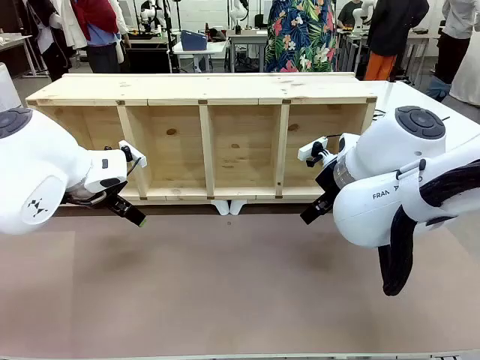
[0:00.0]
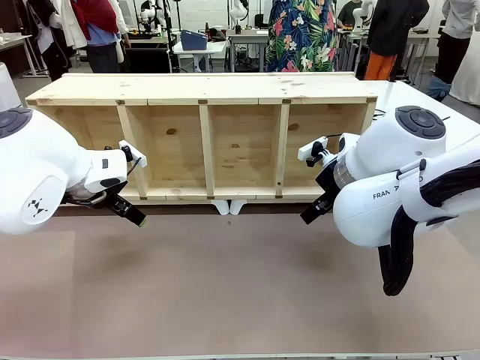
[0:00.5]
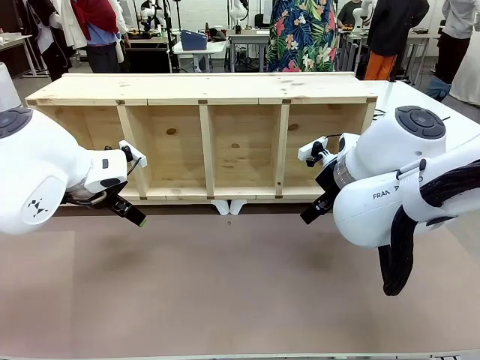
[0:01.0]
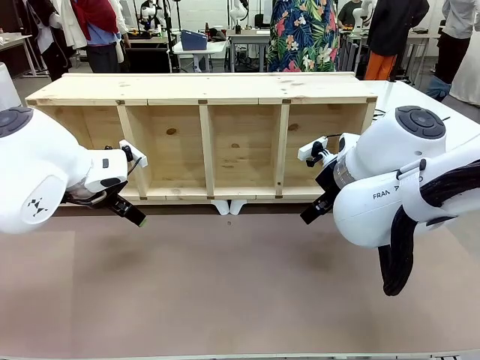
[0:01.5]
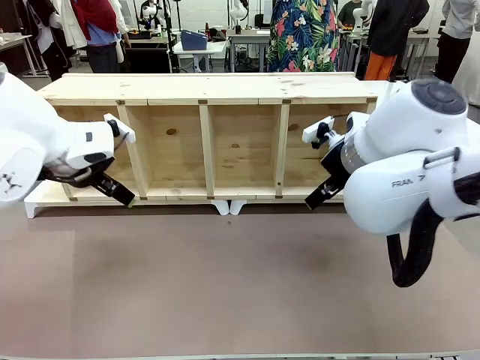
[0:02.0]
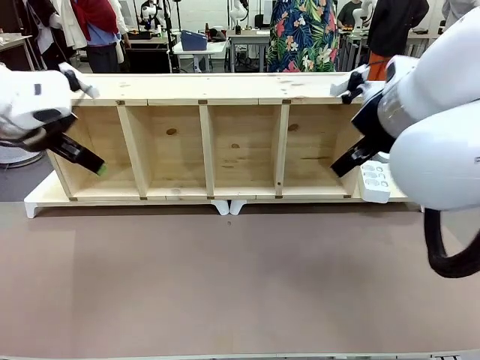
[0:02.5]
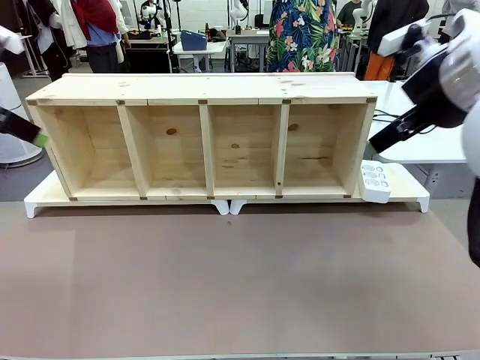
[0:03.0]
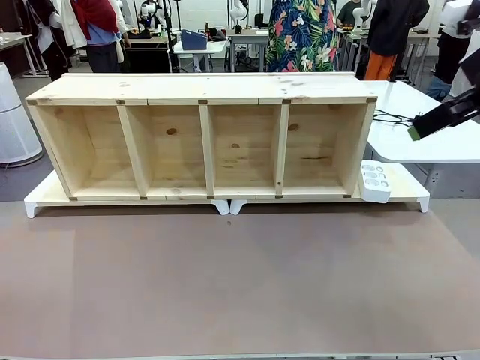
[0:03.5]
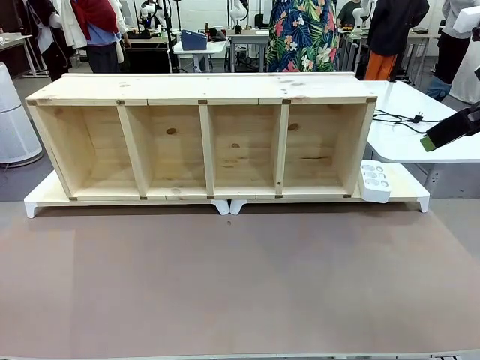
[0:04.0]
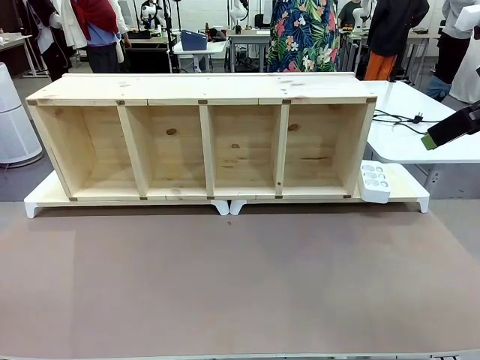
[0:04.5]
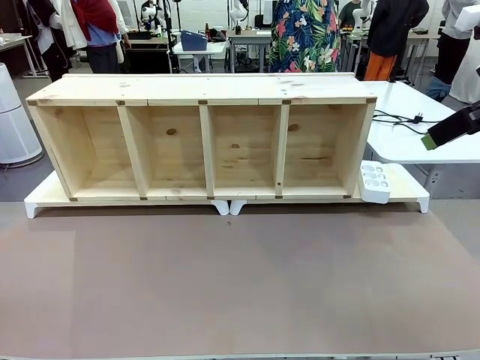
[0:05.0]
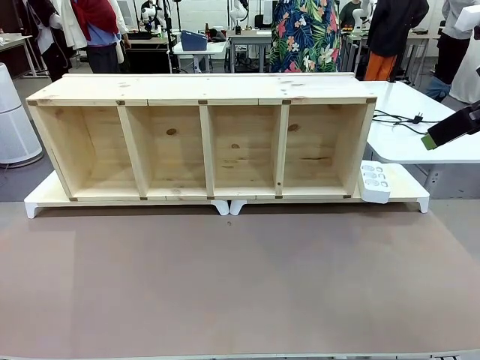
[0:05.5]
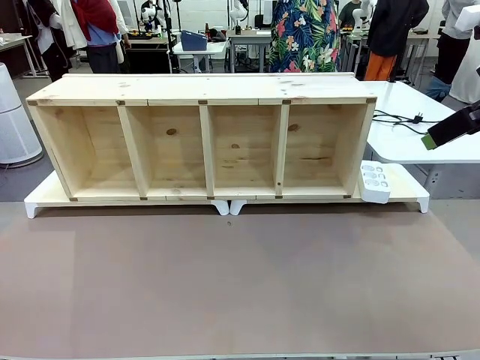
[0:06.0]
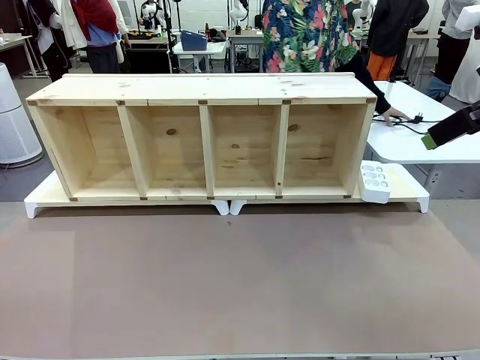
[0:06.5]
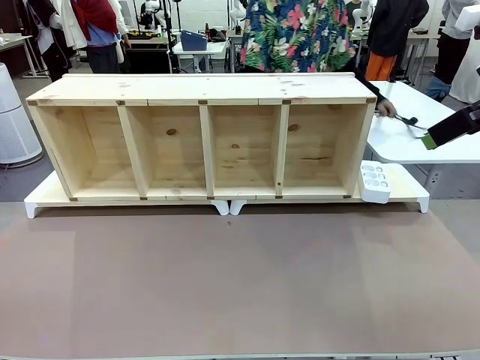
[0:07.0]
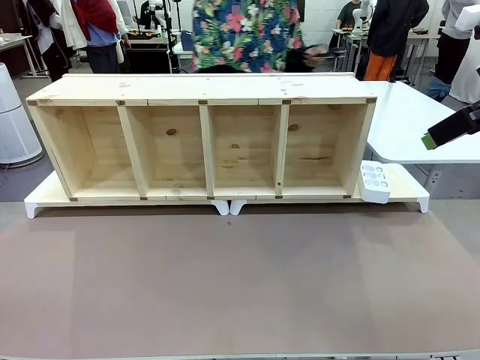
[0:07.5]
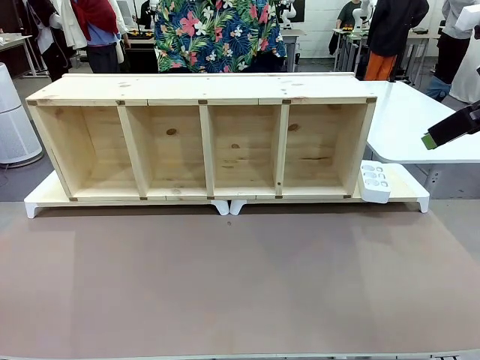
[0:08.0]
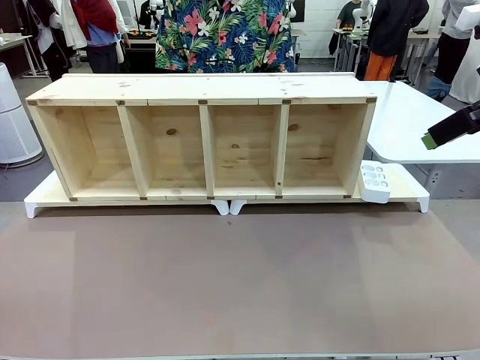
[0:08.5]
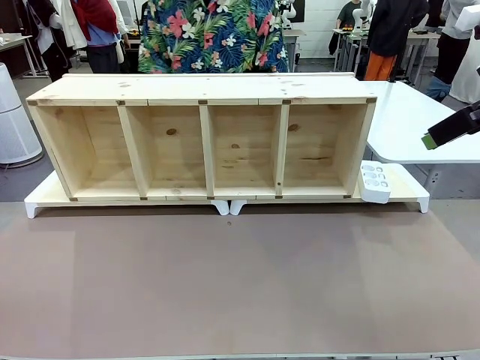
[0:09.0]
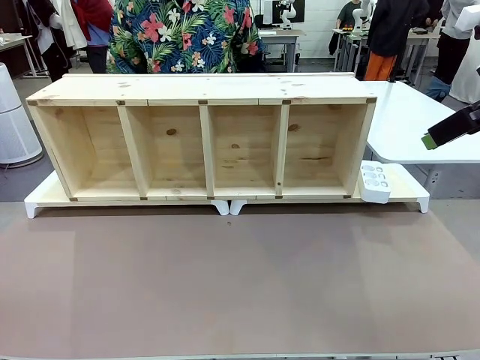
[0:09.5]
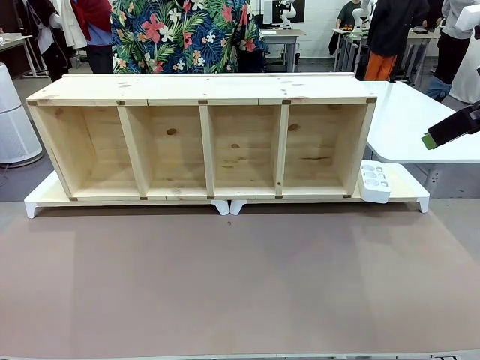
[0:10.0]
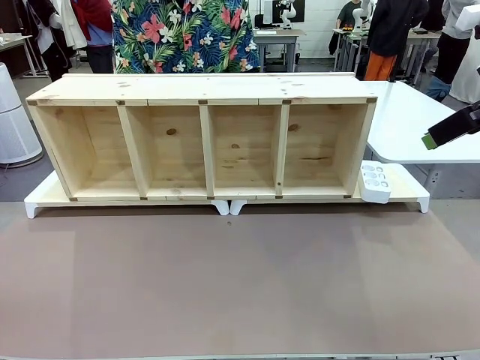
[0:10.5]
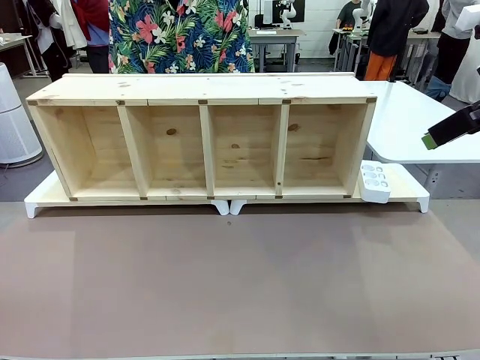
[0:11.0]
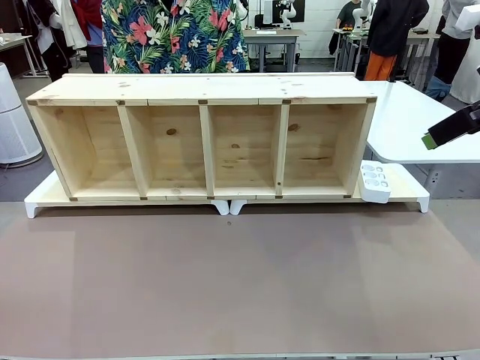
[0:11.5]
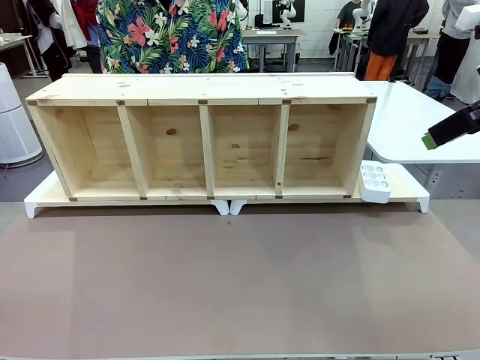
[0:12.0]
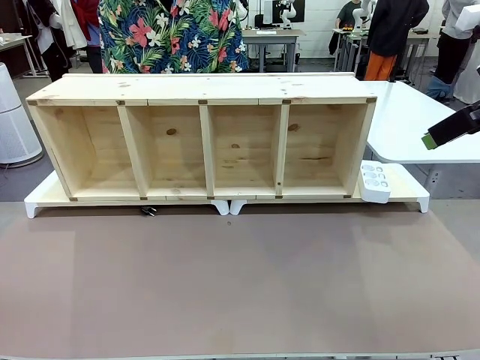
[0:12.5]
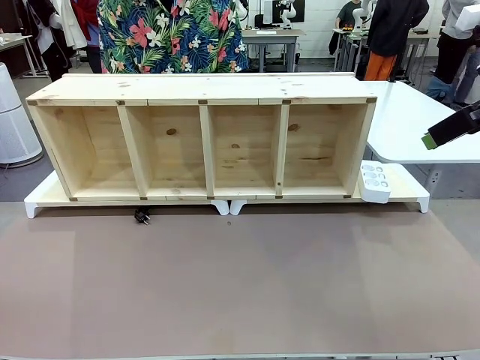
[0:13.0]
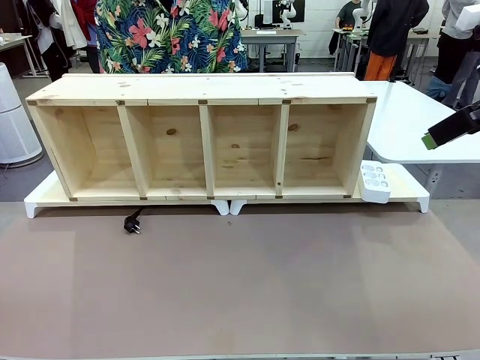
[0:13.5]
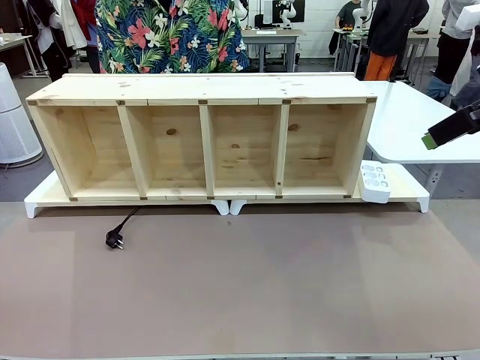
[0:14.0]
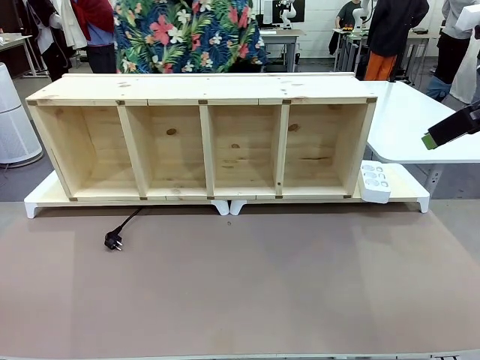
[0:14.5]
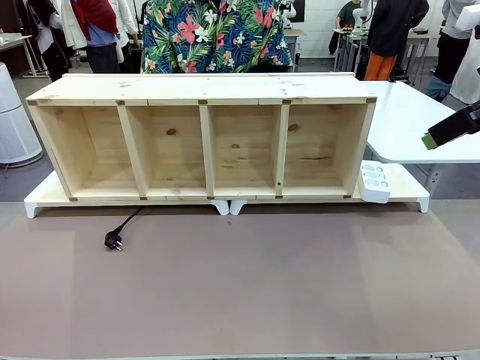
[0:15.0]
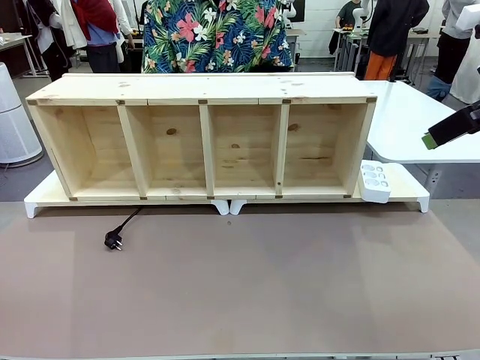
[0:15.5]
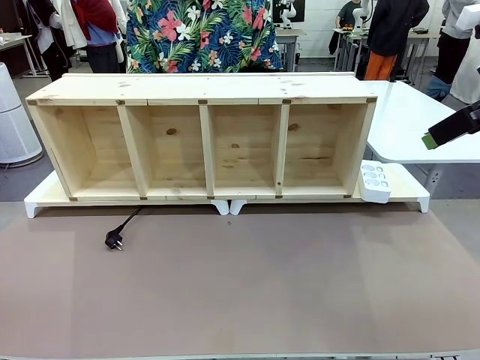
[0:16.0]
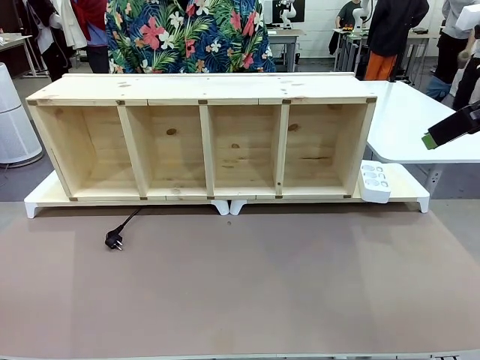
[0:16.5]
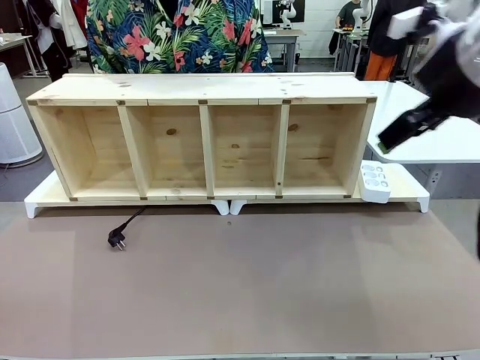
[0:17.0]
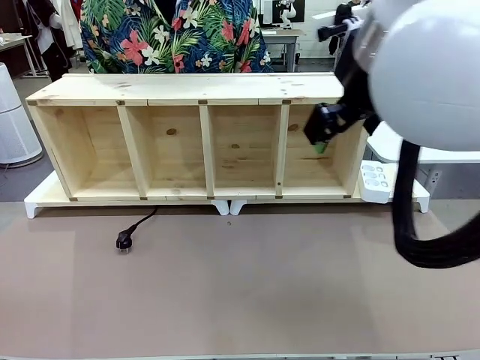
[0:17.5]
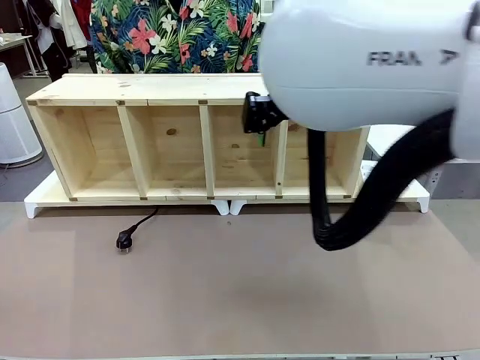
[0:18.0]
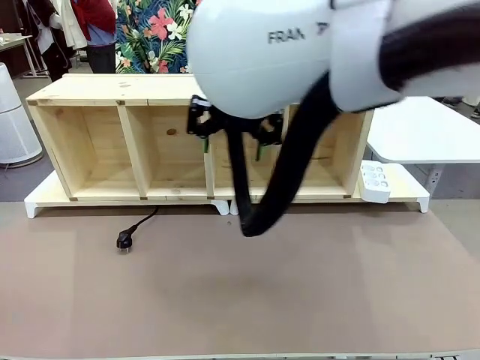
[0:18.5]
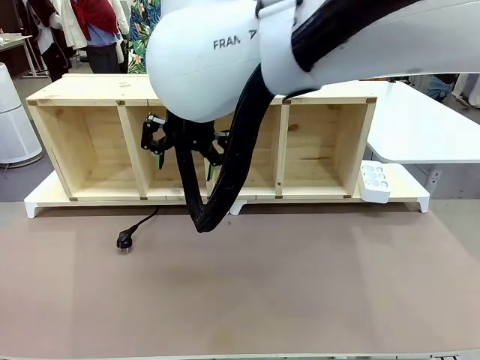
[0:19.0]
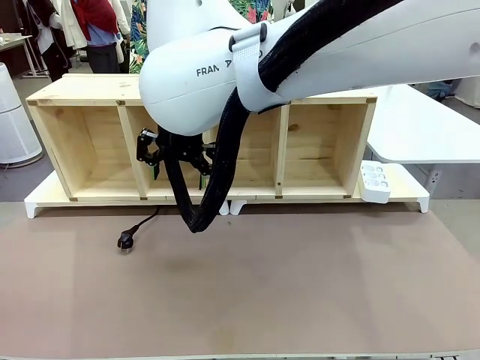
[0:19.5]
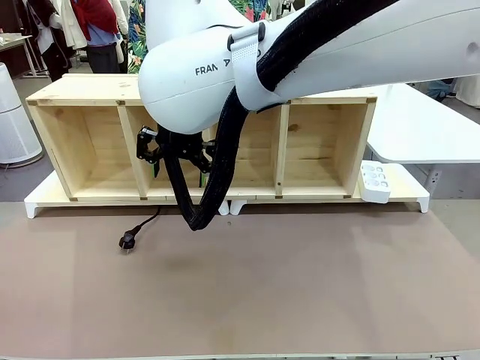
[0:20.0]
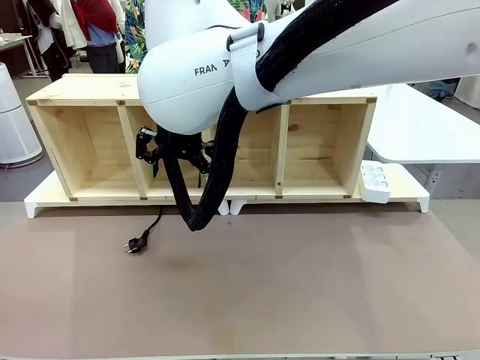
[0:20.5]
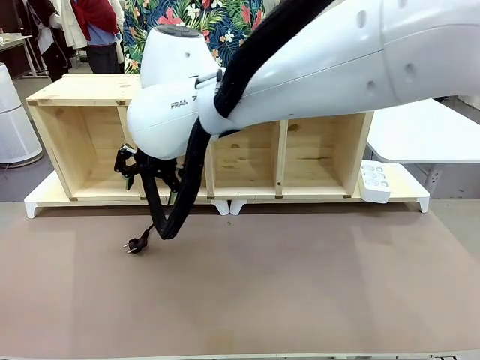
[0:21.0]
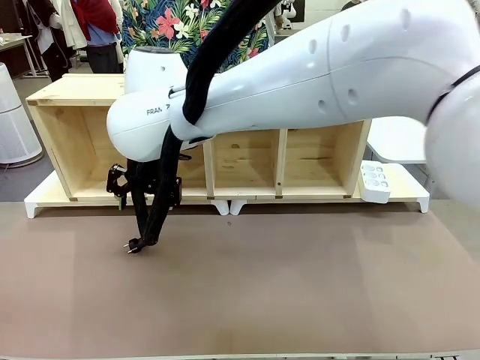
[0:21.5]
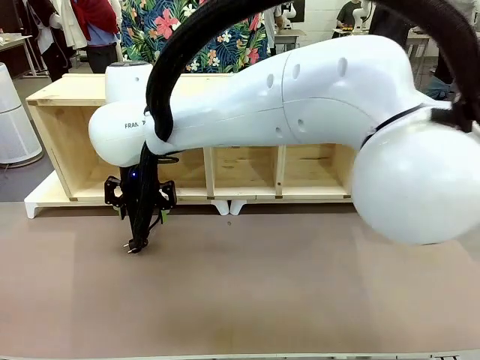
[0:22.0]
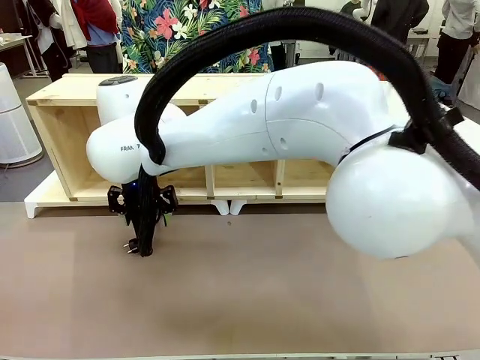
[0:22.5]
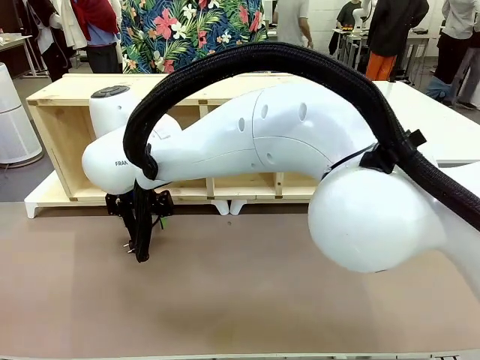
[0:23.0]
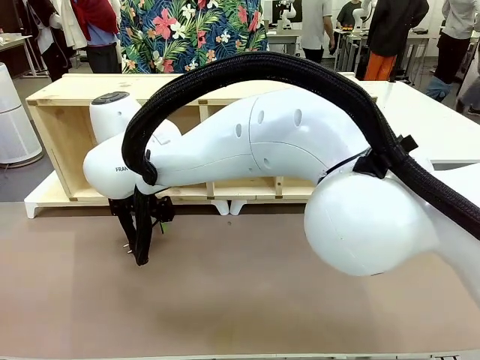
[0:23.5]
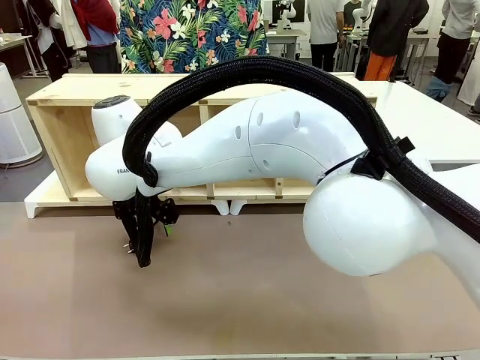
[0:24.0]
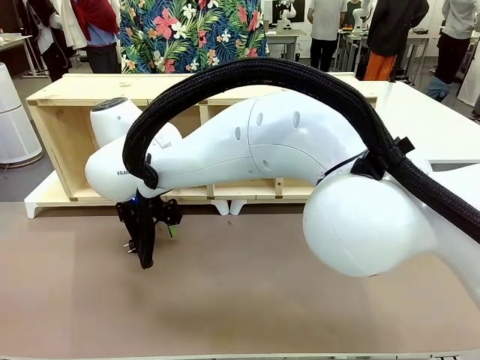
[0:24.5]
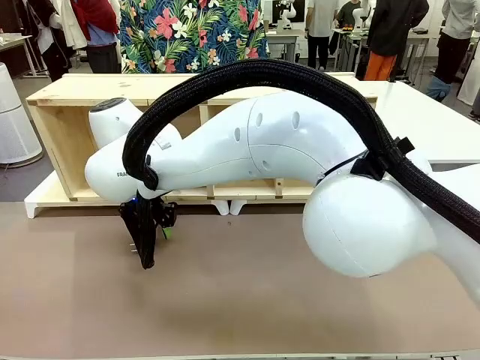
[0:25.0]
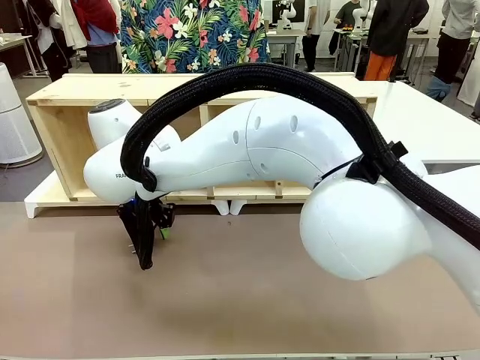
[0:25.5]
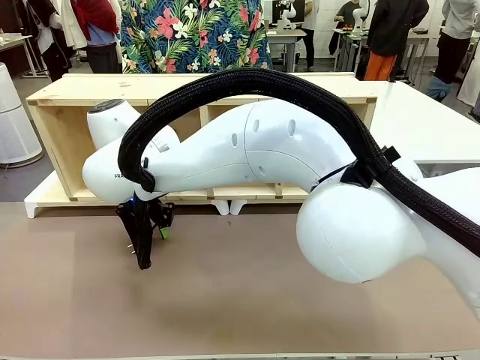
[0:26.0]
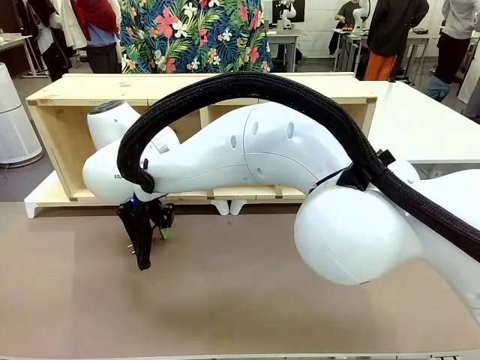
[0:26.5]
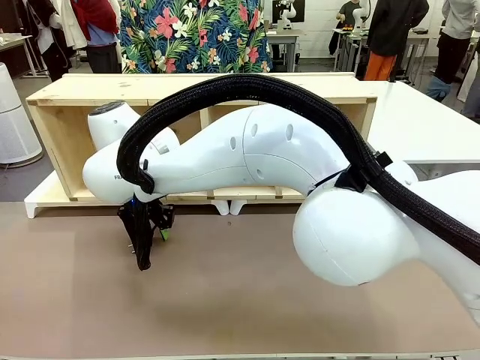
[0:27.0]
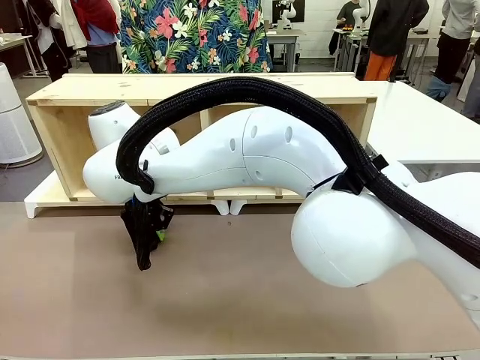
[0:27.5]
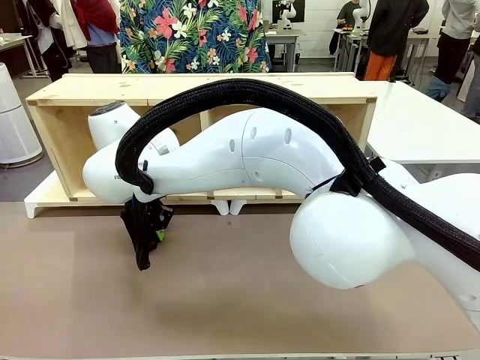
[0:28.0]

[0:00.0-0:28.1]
Task: Perform cable management.
Robot: When the cord part of the Power Cable appears at the lower middle area of the table and stops, grasp the cord part of the Power Cable.
Person: Pass the Power Cable under the Serving Table.
